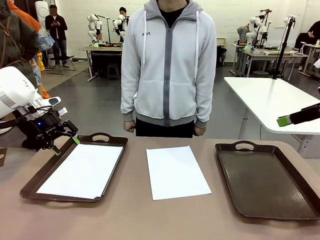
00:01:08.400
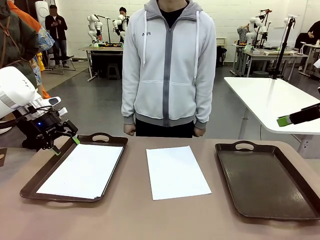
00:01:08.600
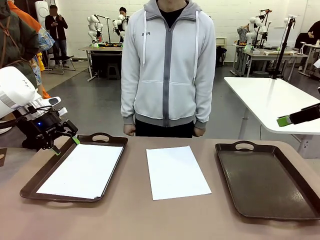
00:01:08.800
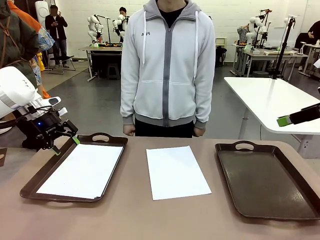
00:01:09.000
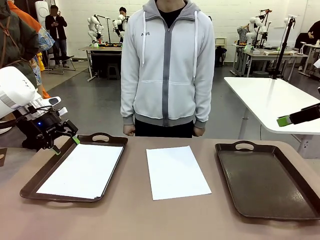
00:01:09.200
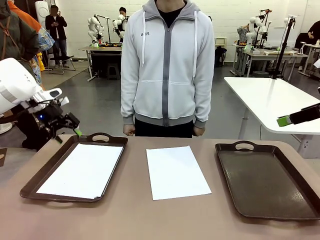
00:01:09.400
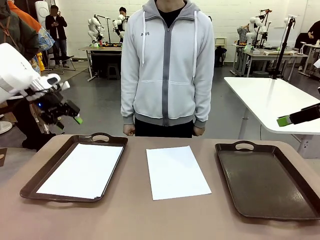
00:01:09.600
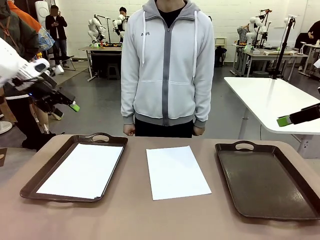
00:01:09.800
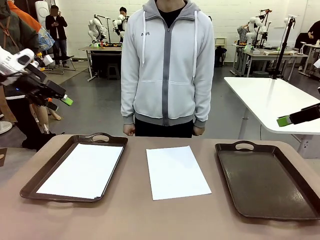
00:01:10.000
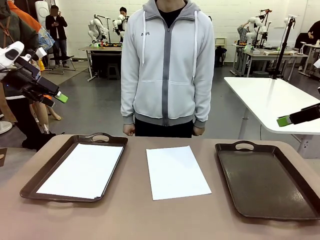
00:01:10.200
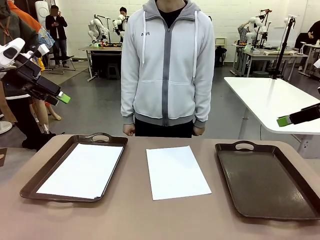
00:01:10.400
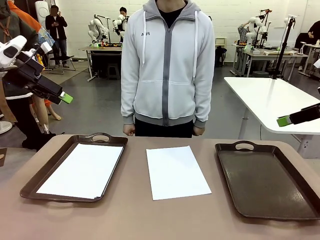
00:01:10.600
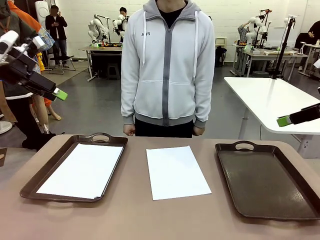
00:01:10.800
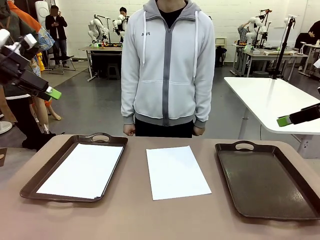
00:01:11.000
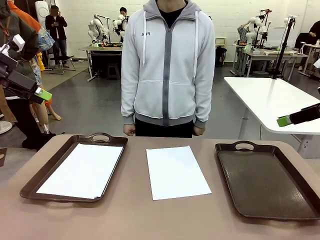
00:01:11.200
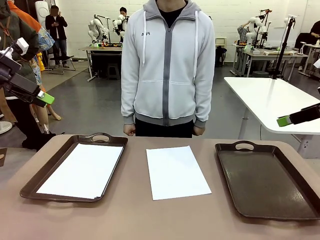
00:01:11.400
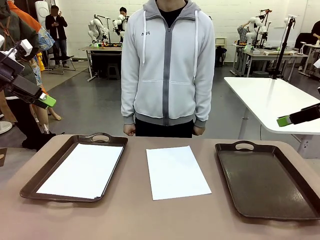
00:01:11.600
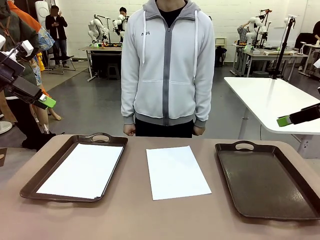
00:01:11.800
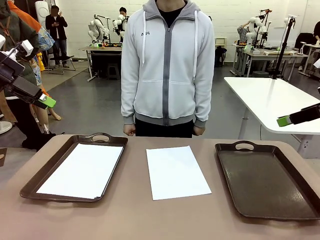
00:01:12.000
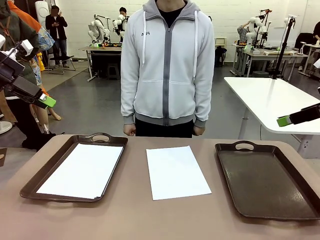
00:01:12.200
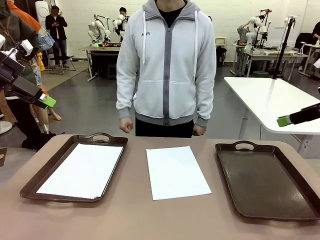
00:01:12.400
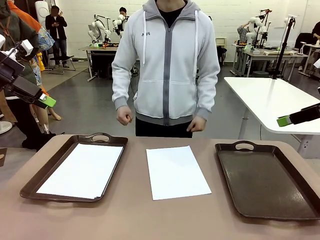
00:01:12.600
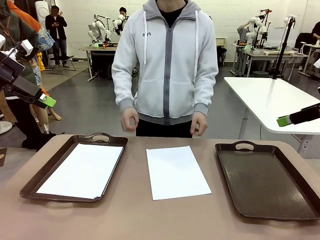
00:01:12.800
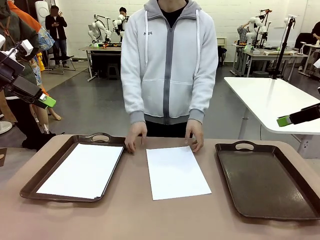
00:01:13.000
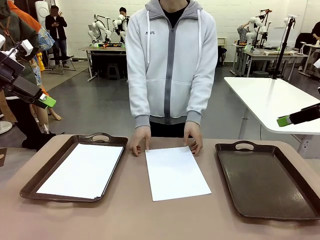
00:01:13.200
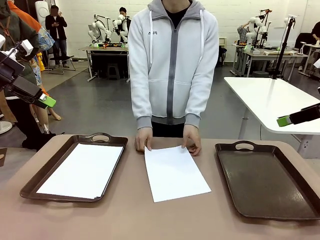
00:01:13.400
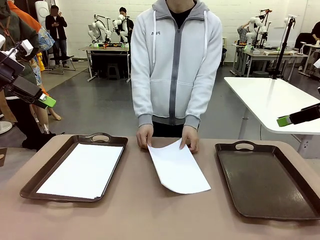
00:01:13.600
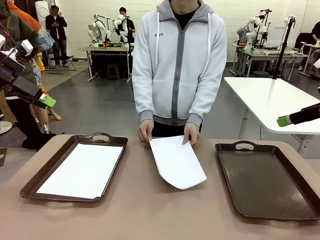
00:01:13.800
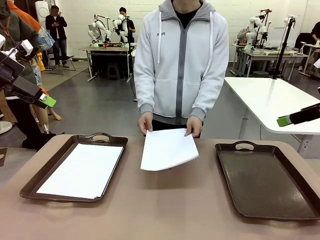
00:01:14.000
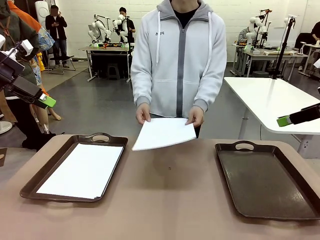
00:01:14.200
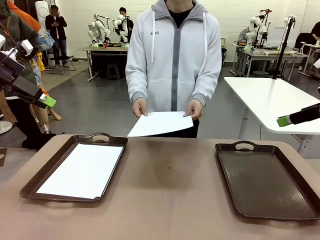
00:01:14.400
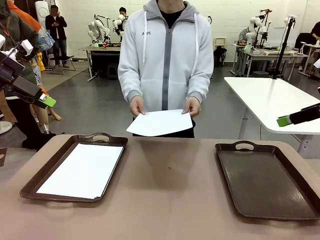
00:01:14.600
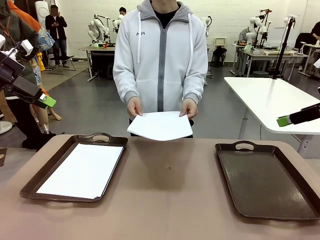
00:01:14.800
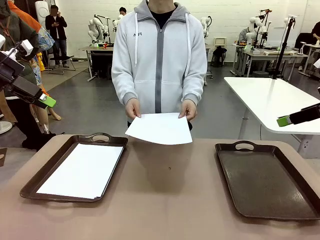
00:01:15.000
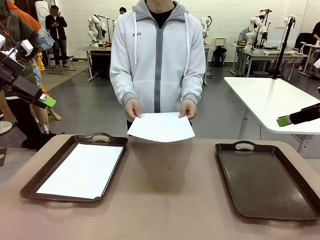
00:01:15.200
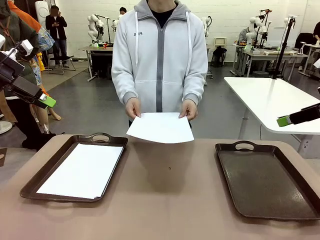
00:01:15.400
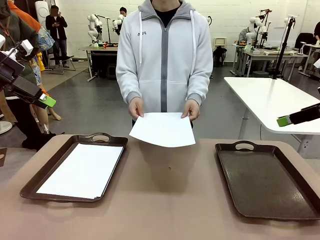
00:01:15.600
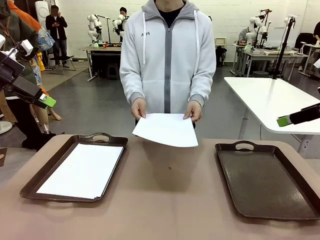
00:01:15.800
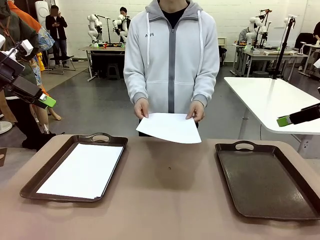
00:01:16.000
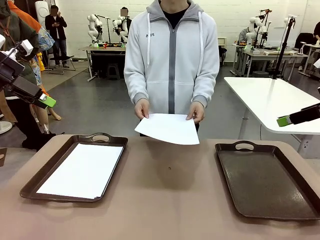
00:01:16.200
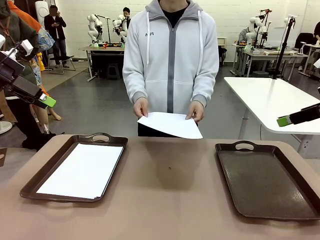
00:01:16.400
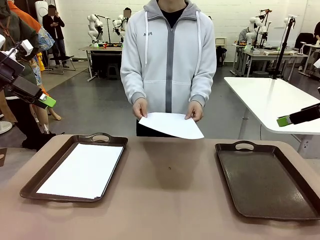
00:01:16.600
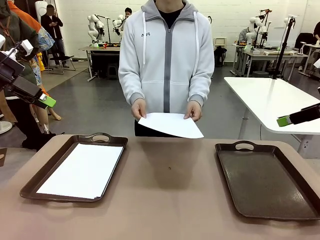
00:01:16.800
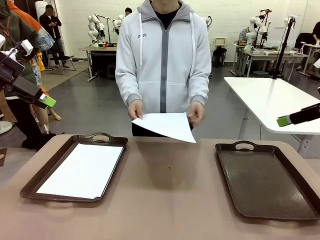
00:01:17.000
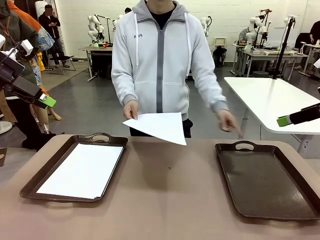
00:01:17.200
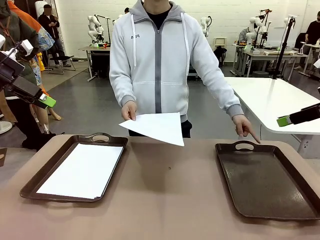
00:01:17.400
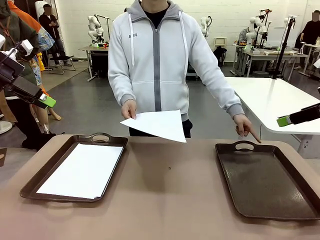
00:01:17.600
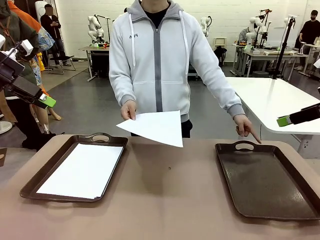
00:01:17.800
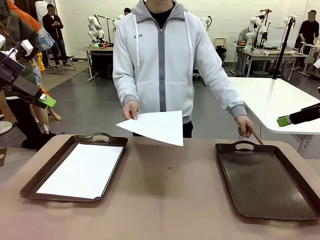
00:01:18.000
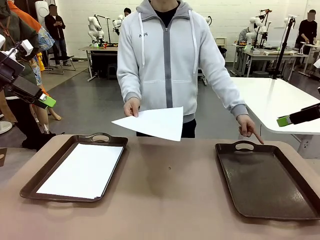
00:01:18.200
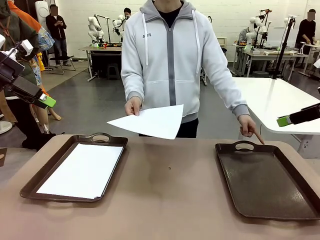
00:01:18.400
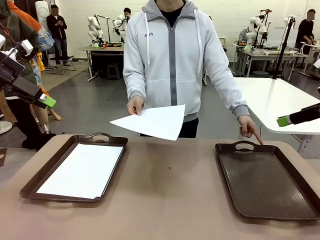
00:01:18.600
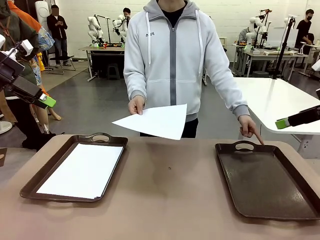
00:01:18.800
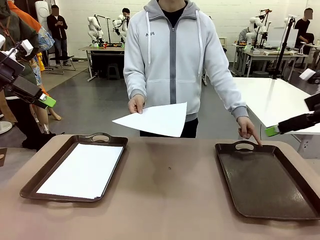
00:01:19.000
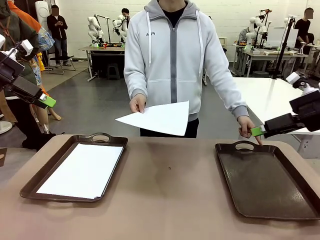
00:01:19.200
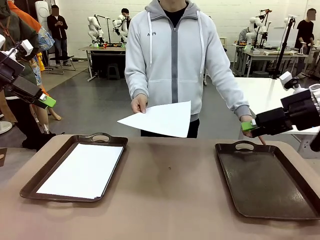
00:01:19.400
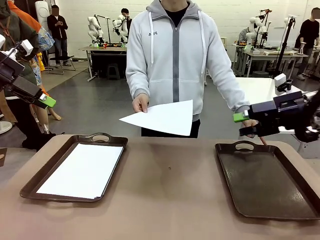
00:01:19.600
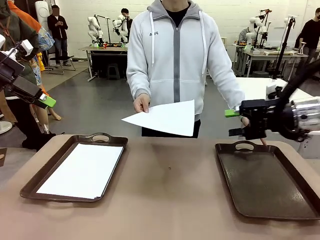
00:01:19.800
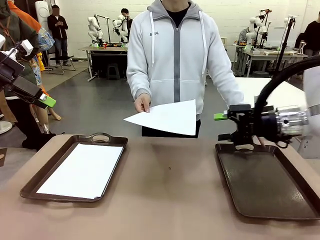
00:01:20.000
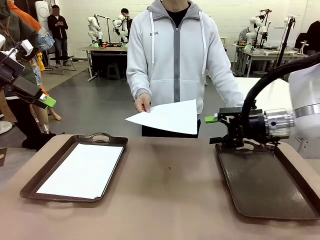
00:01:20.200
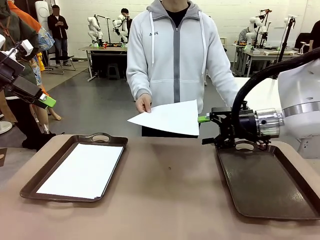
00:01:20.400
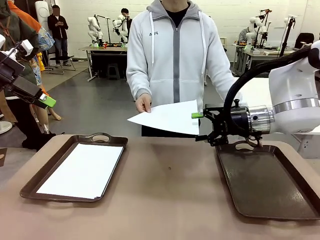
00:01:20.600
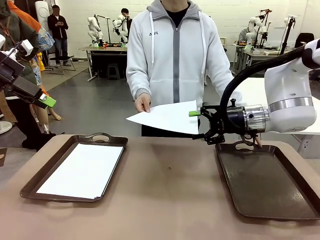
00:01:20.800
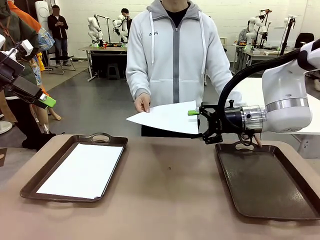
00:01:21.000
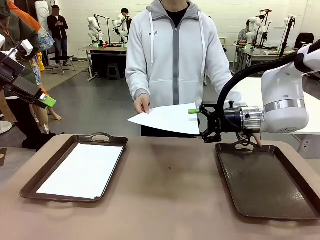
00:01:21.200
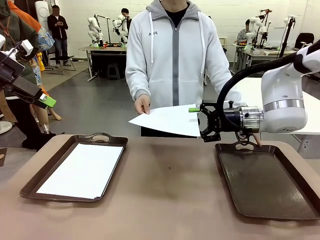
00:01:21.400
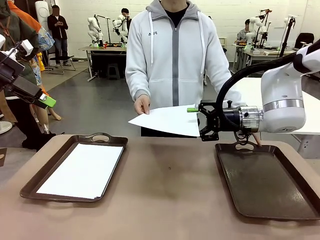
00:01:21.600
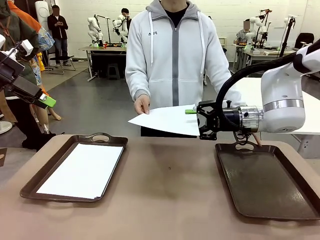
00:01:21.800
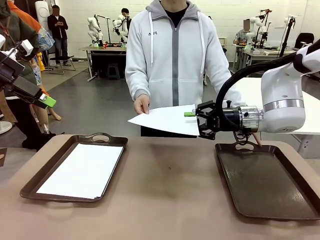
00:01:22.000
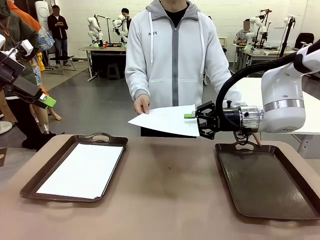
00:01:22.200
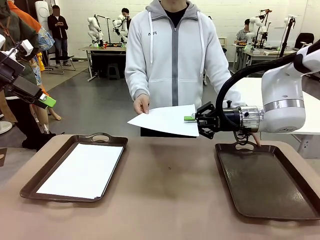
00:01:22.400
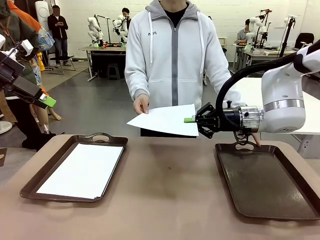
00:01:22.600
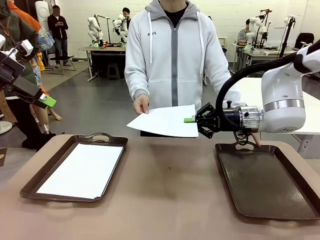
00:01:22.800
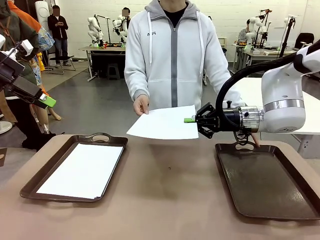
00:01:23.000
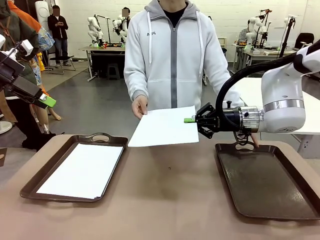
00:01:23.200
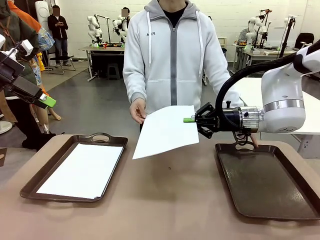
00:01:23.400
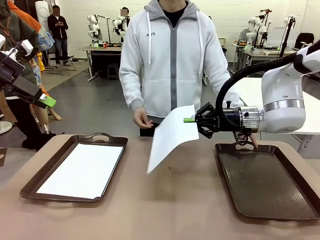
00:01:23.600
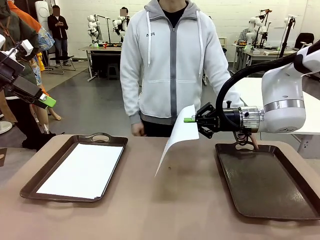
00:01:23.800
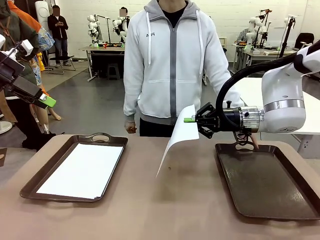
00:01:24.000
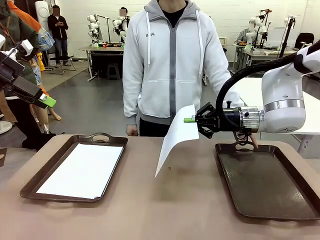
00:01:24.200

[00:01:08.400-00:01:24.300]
Task: Sort the A4 documents.
Robot: Receive the A4 Paper.
